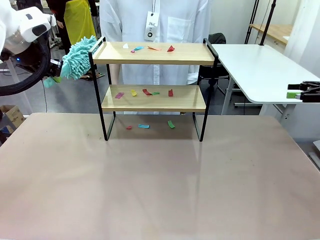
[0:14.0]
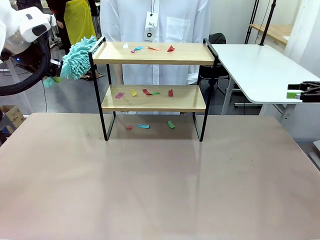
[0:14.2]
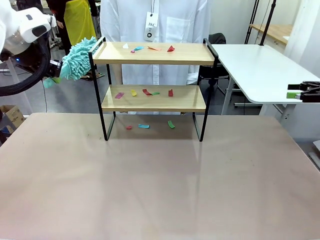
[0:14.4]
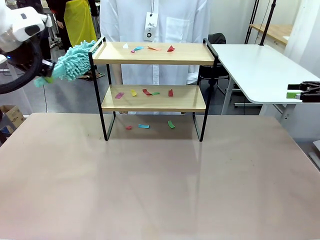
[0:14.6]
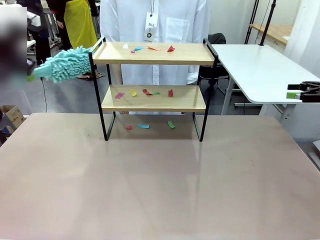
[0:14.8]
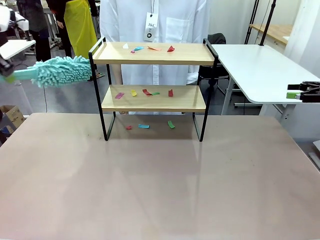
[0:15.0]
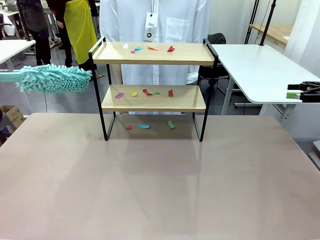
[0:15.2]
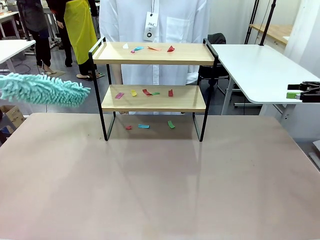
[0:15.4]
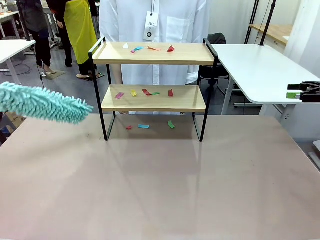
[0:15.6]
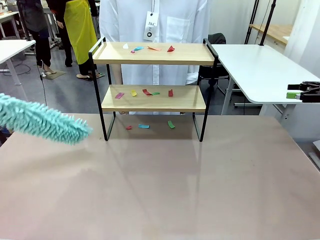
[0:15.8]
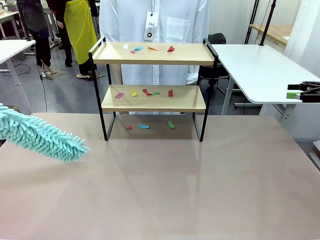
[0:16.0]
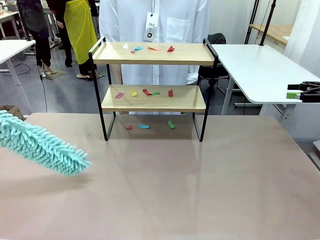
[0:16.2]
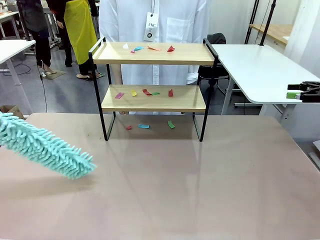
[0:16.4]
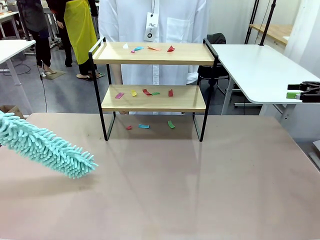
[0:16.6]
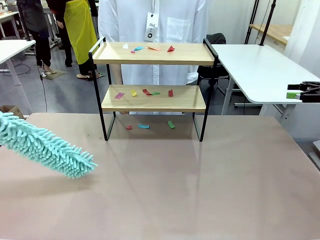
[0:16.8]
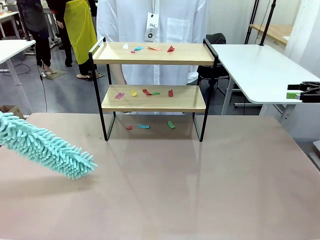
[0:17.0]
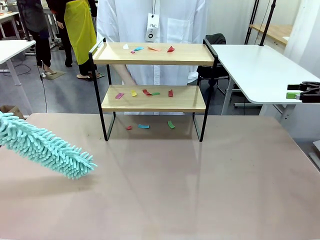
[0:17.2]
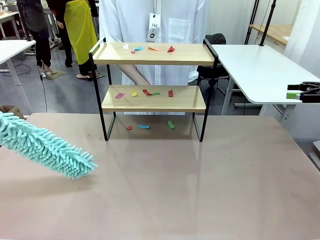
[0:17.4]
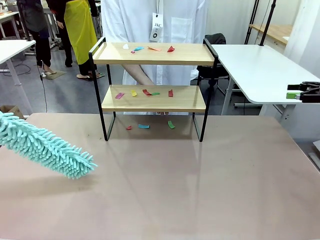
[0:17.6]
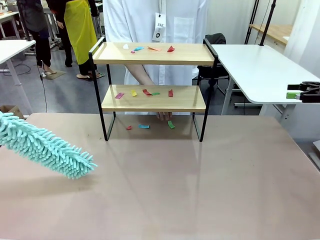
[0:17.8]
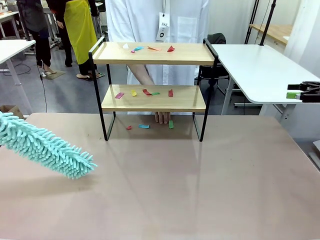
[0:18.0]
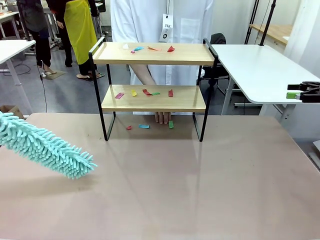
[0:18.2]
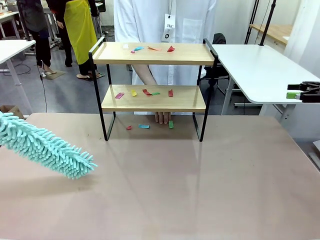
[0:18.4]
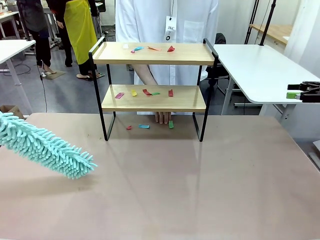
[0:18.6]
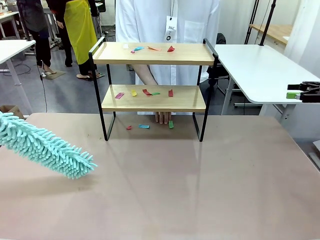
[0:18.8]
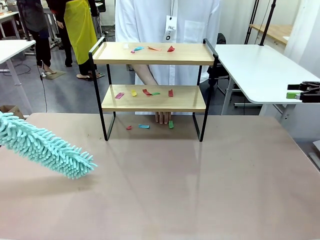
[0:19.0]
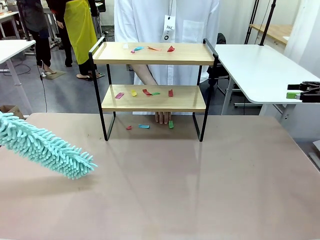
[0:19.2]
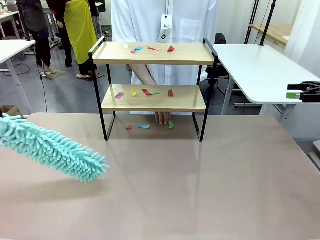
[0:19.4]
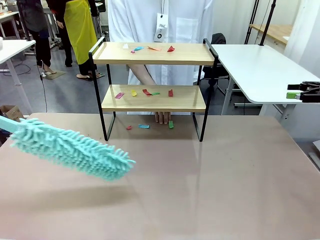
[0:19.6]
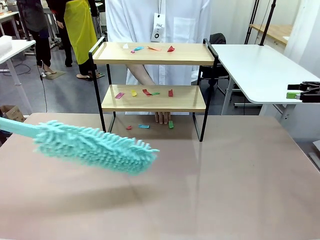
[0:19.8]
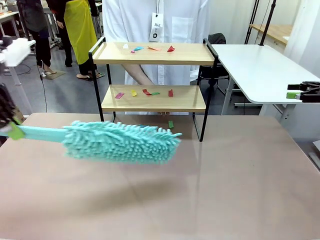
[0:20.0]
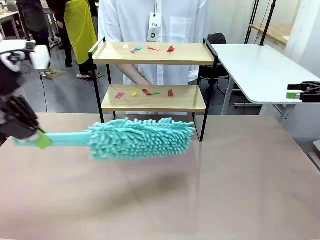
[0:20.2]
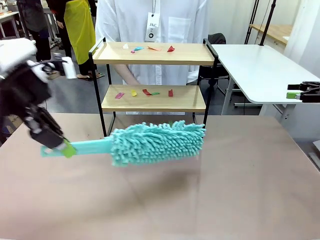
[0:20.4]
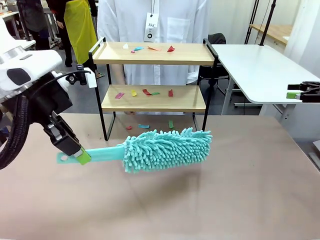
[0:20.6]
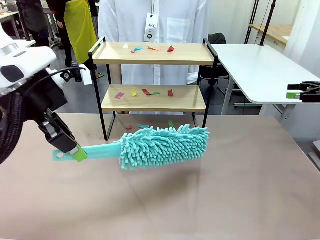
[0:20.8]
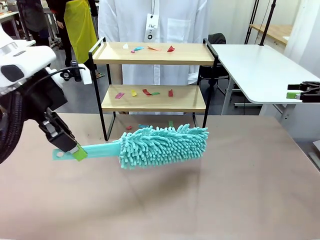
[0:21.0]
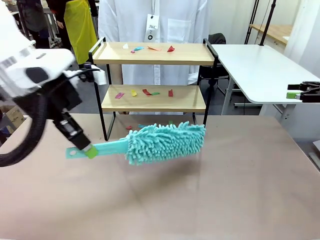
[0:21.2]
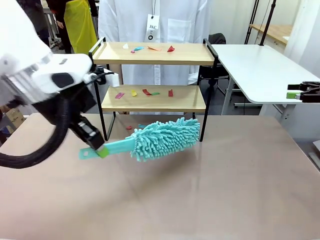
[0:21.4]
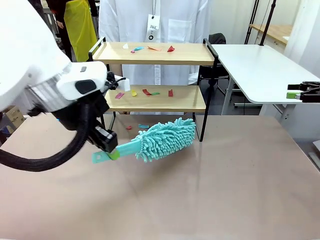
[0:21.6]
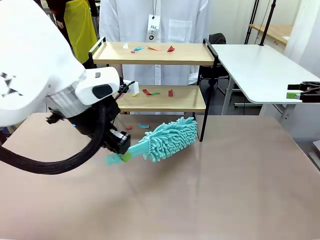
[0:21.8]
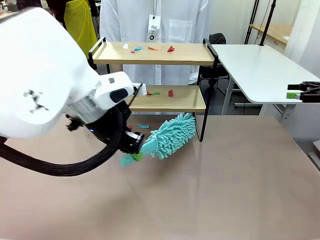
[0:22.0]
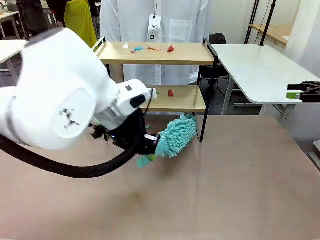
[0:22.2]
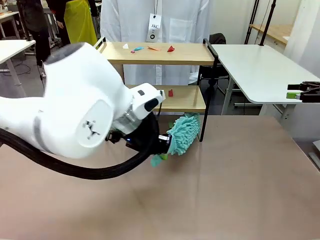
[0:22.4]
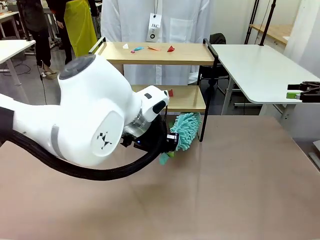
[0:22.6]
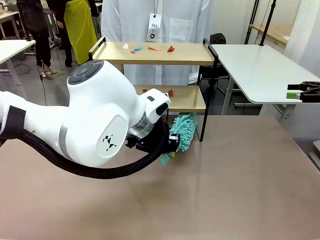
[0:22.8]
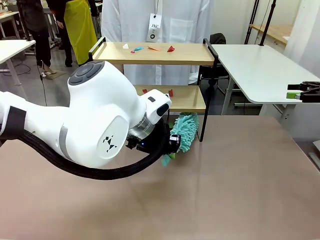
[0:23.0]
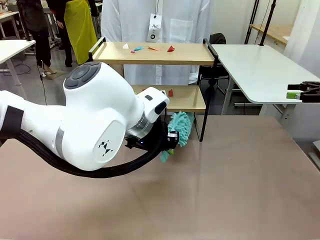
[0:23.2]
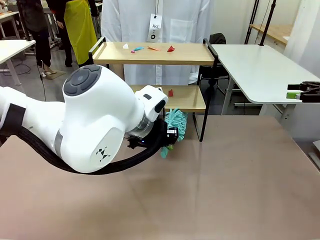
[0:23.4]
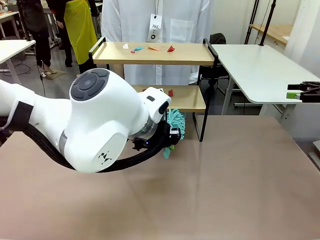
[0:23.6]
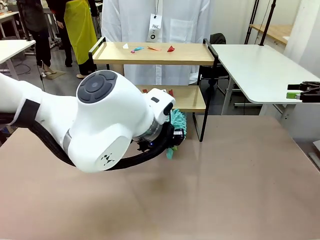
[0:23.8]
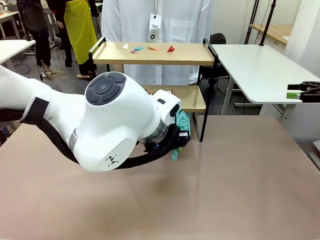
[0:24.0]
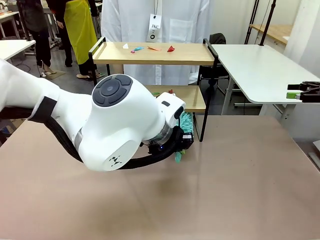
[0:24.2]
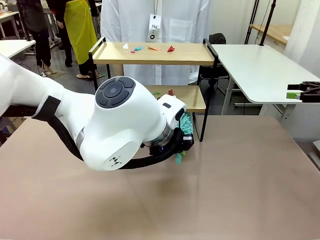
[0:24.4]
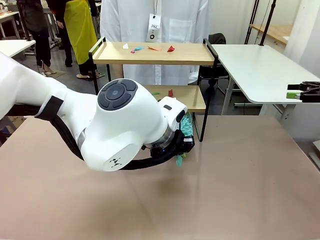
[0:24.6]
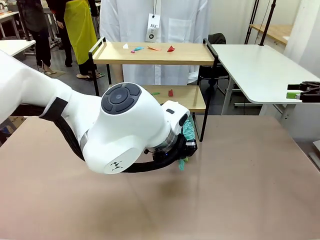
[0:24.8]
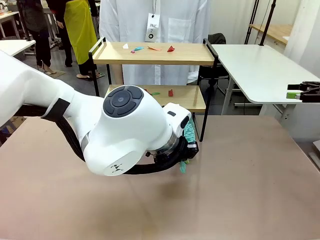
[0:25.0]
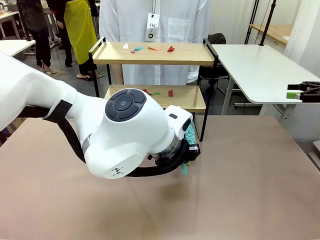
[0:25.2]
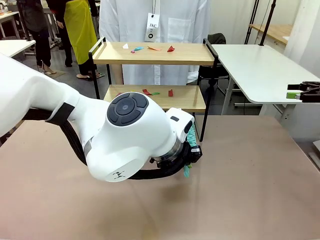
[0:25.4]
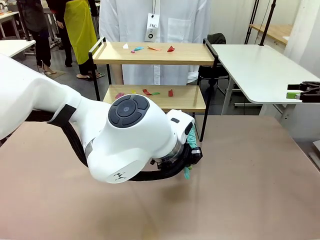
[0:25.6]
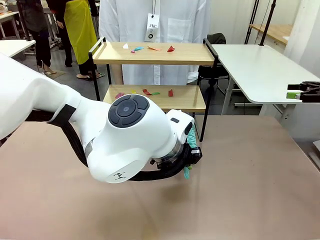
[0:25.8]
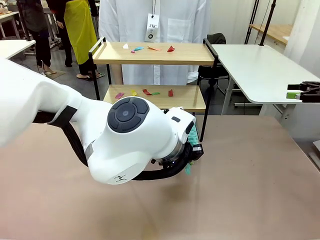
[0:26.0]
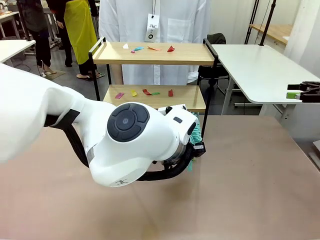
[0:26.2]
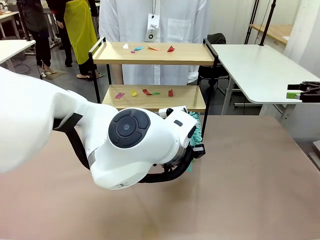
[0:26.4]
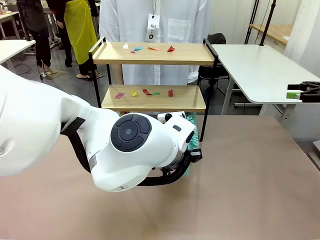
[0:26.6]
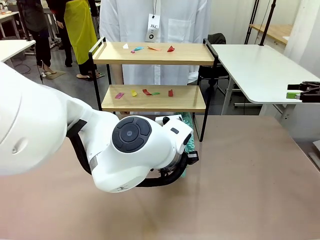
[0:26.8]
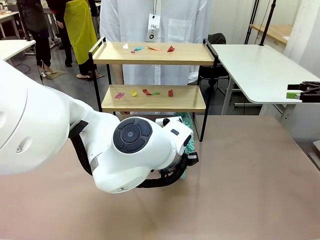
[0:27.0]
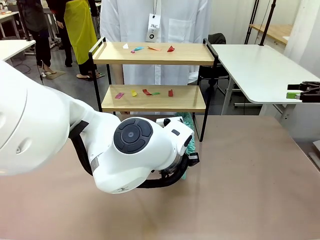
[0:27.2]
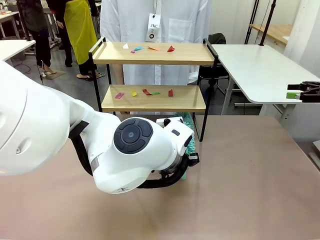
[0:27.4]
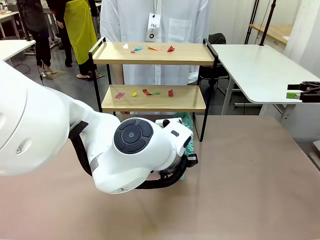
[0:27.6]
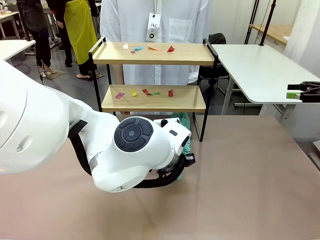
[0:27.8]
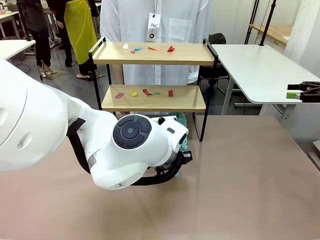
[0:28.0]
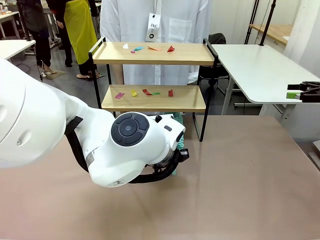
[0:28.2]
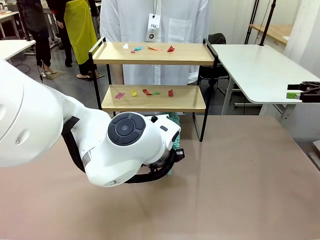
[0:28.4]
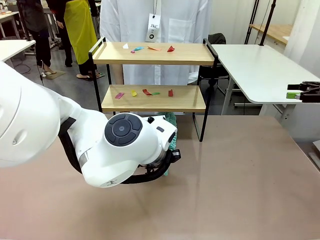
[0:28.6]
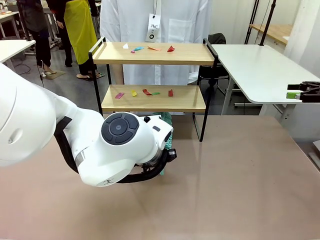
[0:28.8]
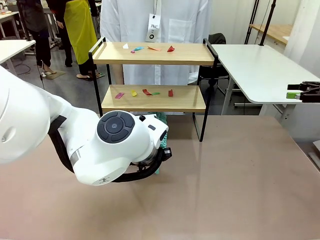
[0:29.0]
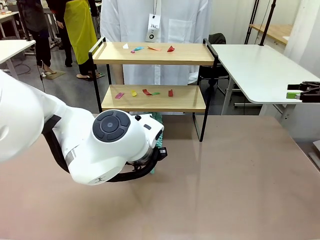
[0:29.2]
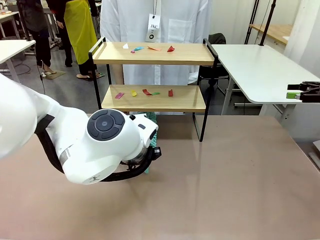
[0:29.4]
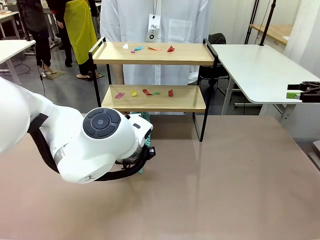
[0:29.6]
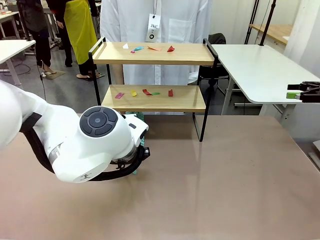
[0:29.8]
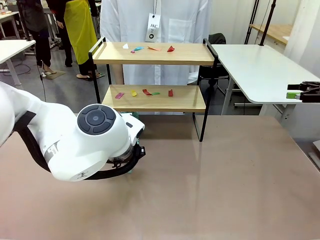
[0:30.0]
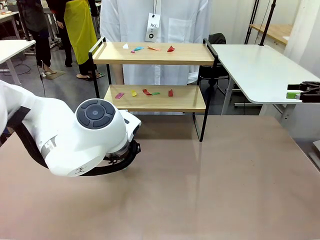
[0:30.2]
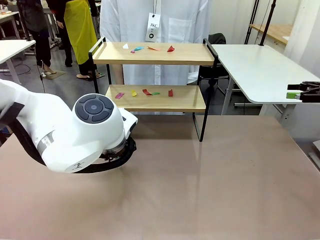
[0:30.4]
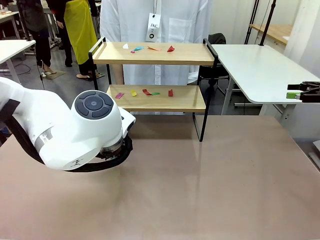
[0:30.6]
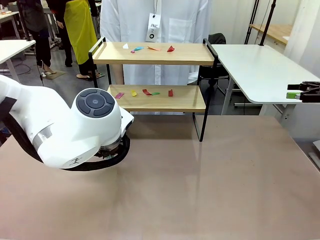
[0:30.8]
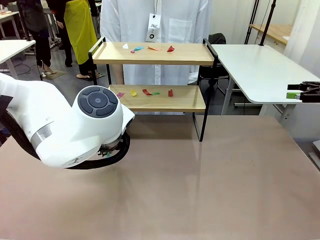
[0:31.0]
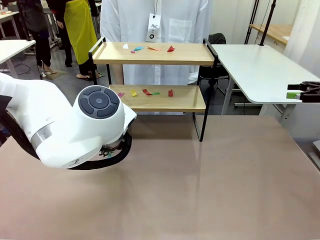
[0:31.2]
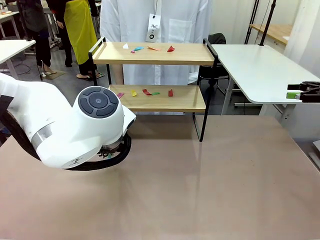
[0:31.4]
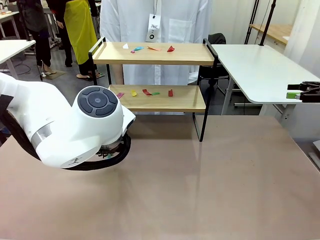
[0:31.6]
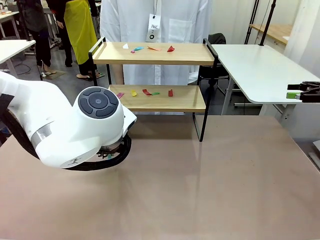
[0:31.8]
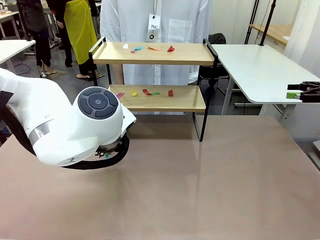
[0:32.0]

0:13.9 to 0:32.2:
Task: Clean the shelf.
Robot: Clean the specific section of the Shelf indicated by the human with the Duster.
Person: Point a random section of the Shelf.
